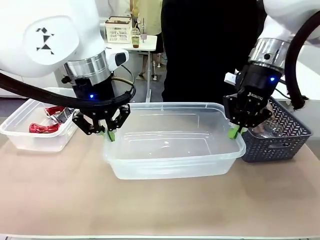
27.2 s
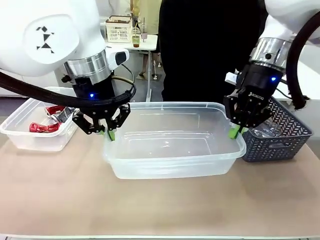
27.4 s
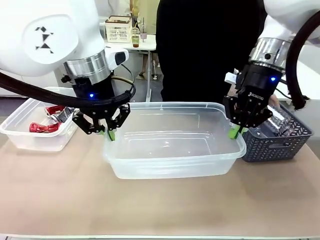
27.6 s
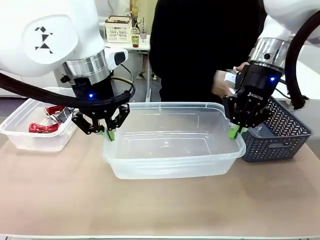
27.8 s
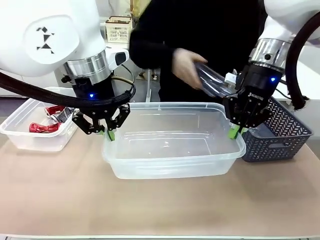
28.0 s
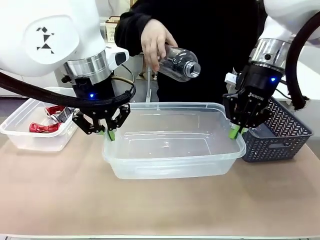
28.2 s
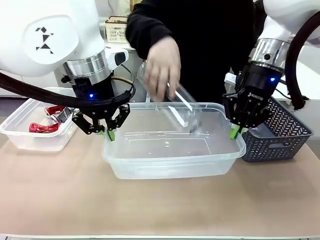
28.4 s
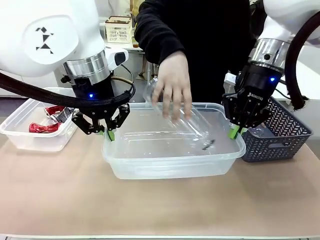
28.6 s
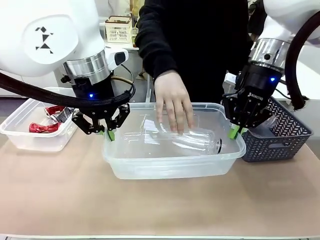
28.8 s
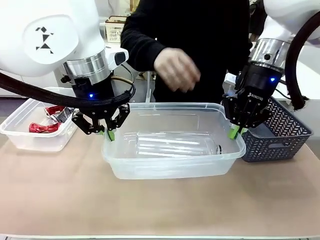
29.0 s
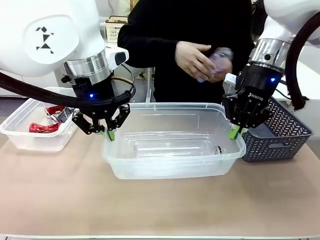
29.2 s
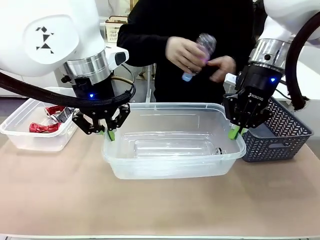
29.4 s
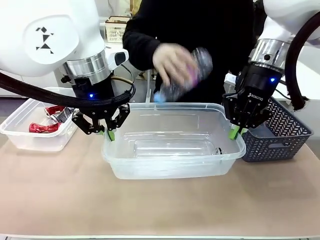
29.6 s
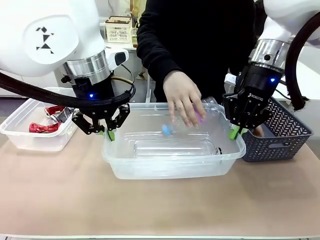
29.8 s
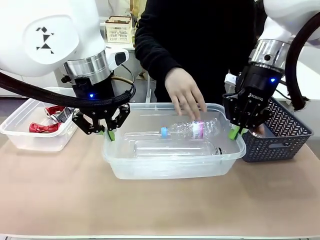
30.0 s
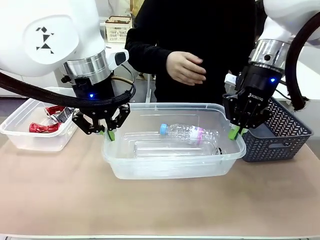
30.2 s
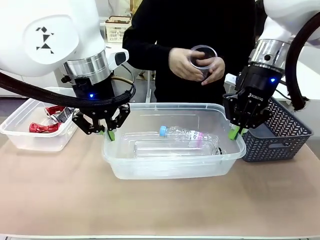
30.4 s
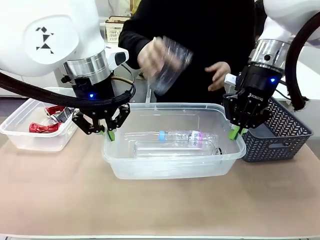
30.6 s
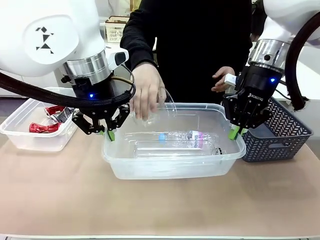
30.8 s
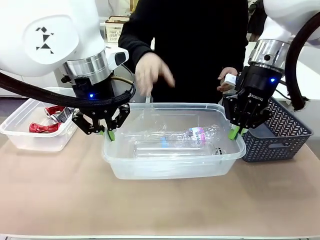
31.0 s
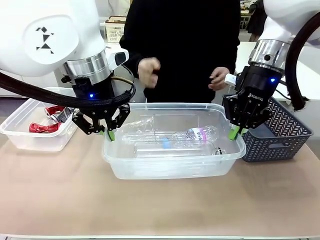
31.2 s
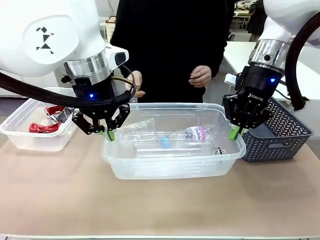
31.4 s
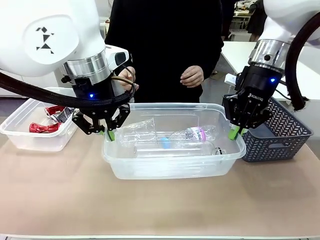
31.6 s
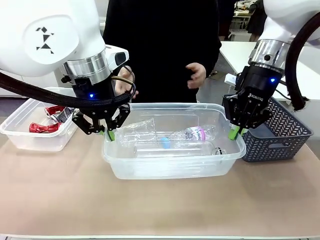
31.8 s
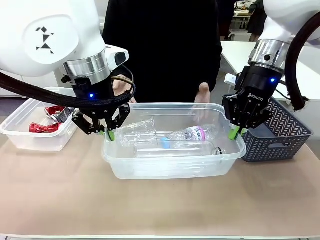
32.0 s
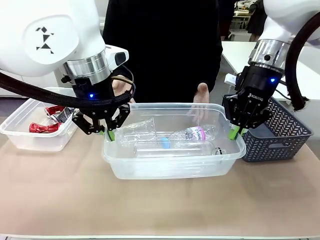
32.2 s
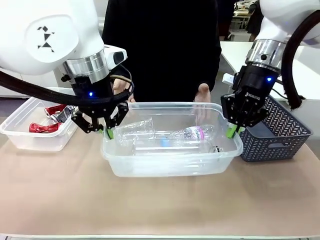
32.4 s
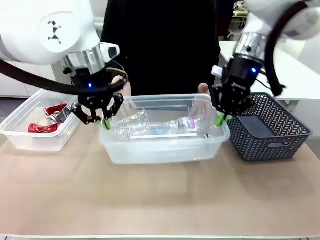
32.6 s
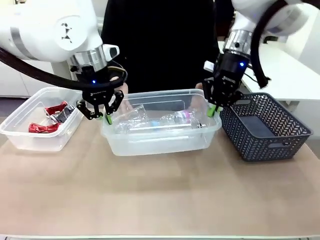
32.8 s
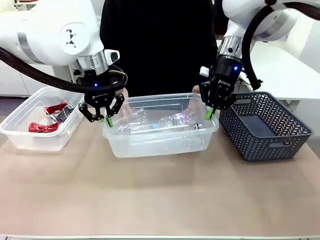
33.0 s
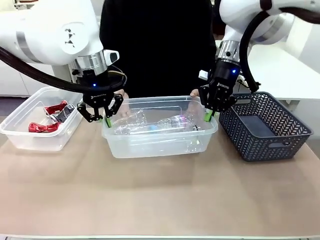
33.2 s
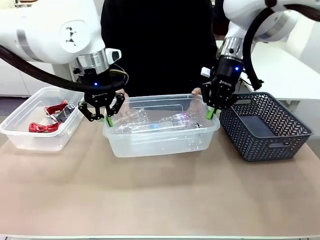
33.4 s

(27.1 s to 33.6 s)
Robot: Offer the picked Organizing box to the human.
Person: Pick up plastic waste one by one and place it into the organizing box lifted by the robot.

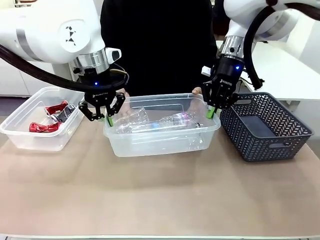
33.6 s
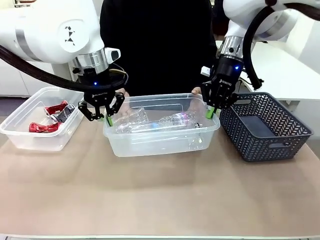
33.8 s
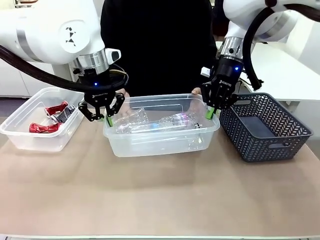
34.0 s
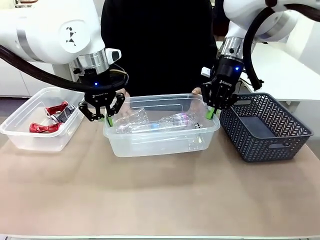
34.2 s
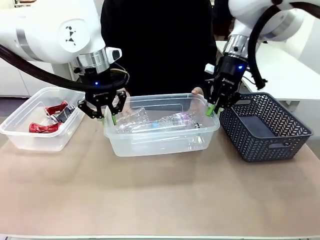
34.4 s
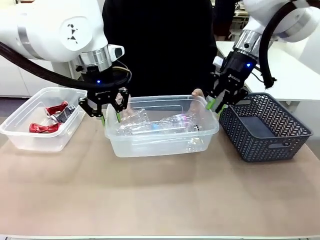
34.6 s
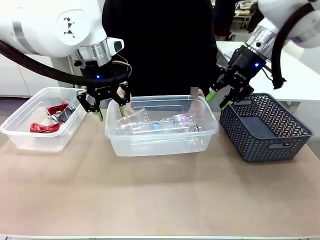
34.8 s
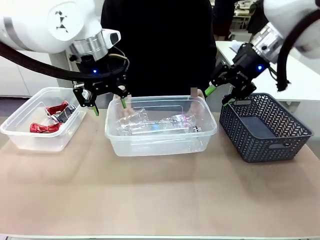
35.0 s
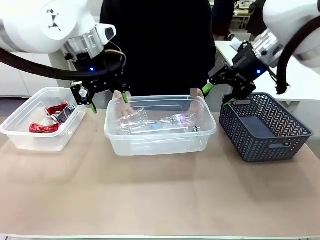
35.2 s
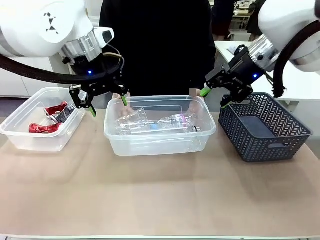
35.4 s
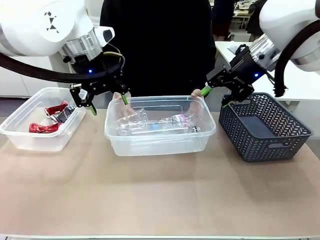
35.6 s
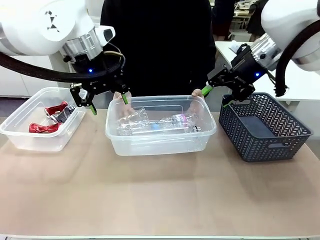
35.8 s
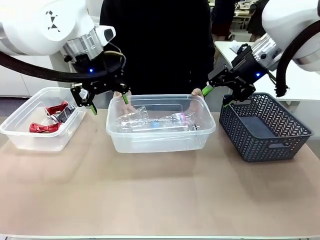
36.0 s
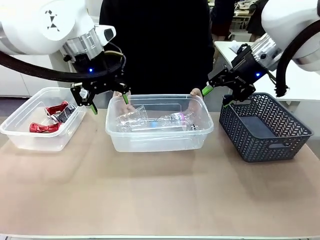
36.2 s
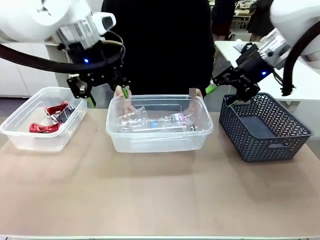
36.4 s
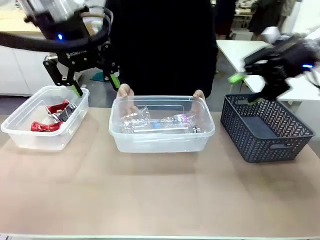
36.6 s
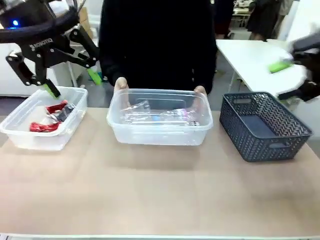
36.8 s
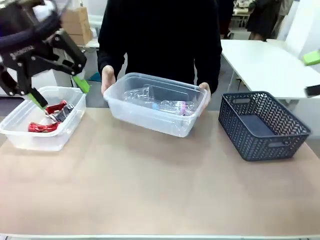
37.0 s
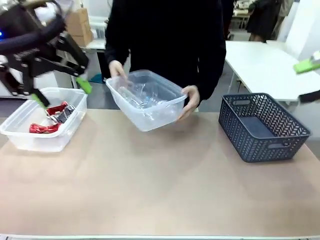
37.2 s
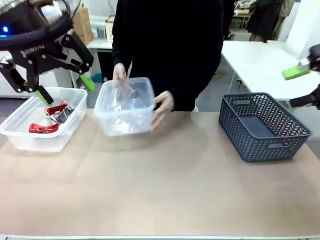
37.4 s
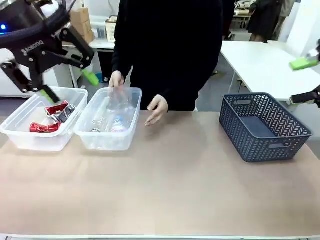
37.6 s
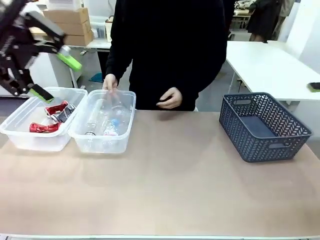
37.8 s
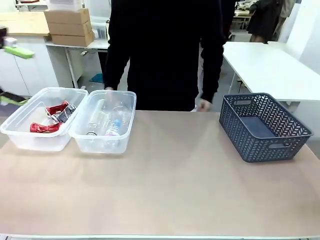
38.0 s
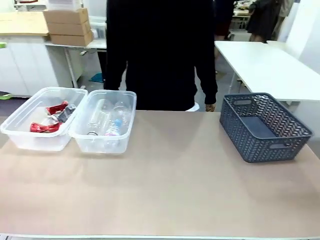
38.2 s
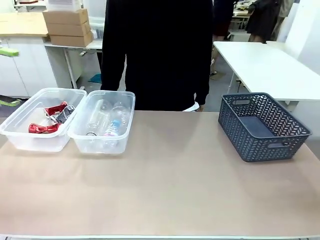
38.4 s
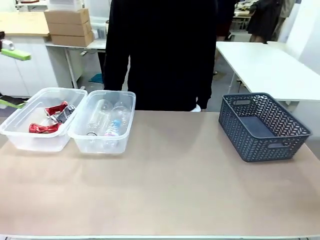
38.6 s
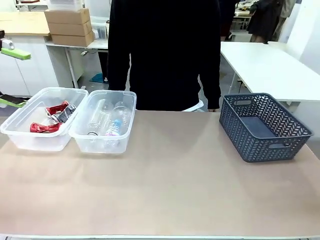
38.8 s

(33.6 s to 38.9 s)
Robot: Release the Organizing box you were holding.
Person: Pick up the organizing box extended by the robot. Place the organizing box to the left of the sorting box containing the can waste.

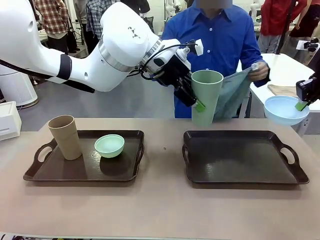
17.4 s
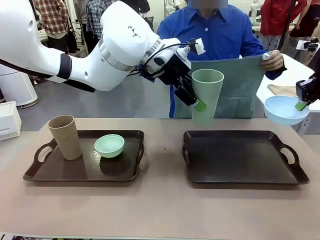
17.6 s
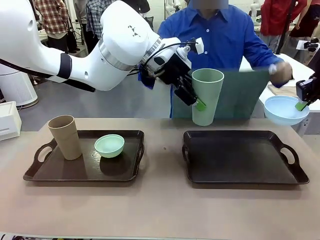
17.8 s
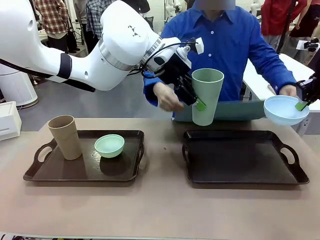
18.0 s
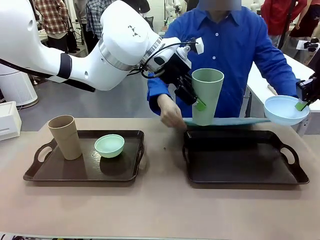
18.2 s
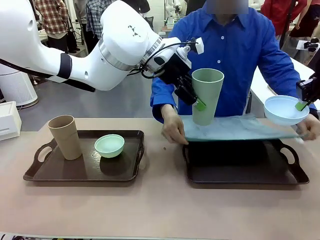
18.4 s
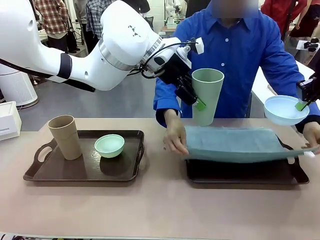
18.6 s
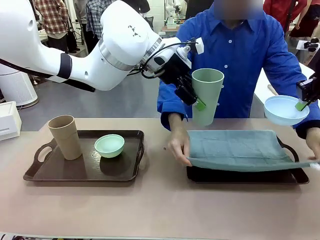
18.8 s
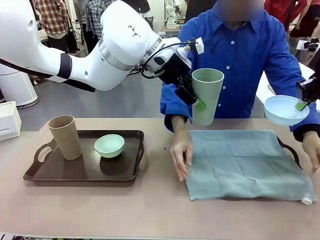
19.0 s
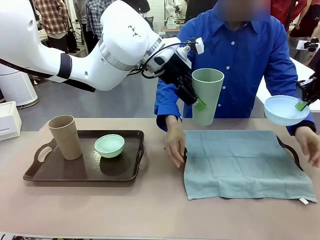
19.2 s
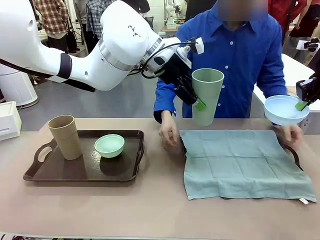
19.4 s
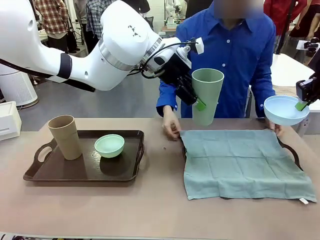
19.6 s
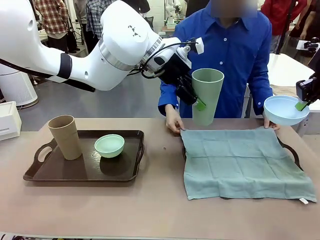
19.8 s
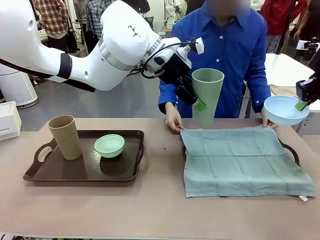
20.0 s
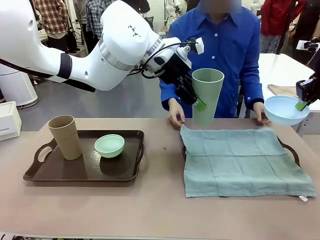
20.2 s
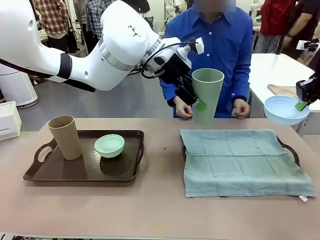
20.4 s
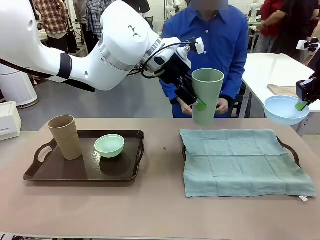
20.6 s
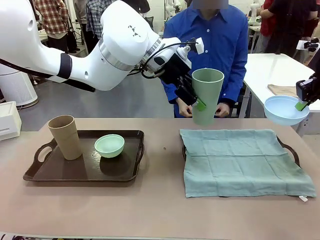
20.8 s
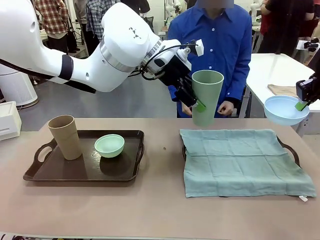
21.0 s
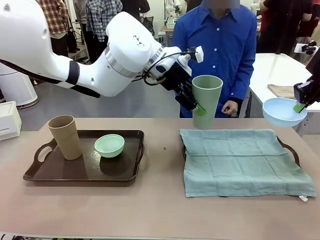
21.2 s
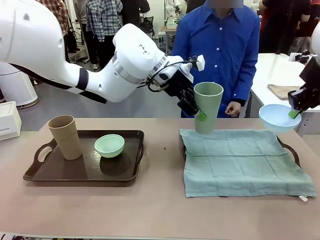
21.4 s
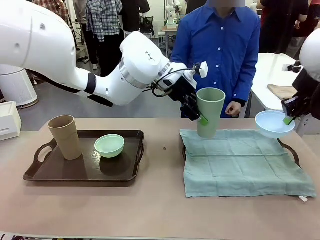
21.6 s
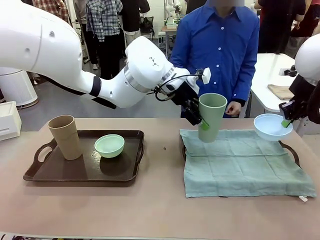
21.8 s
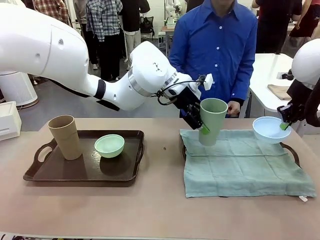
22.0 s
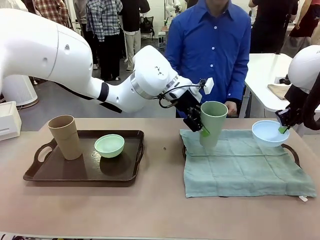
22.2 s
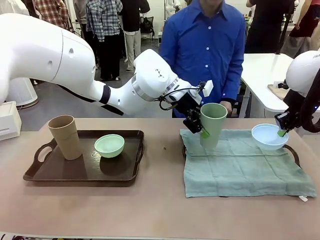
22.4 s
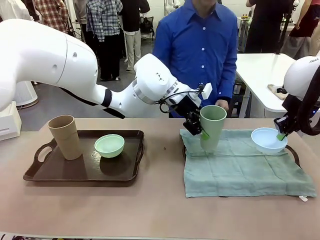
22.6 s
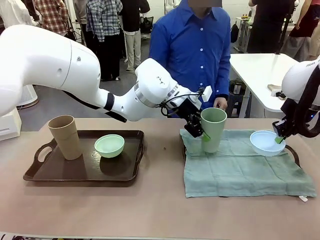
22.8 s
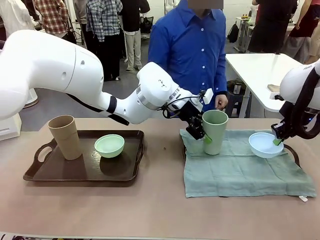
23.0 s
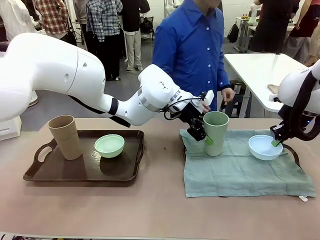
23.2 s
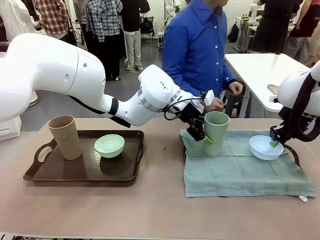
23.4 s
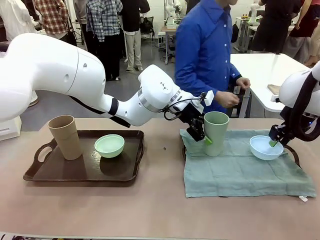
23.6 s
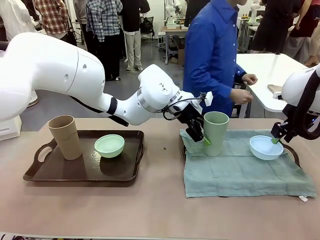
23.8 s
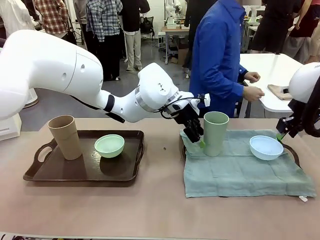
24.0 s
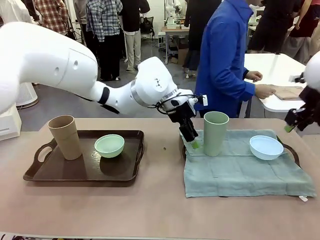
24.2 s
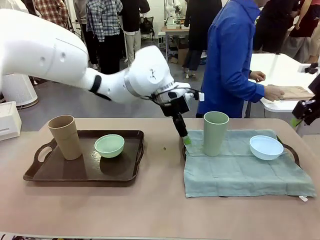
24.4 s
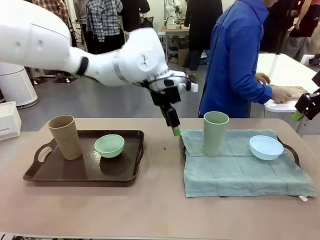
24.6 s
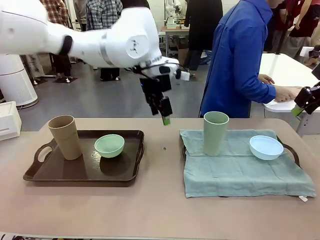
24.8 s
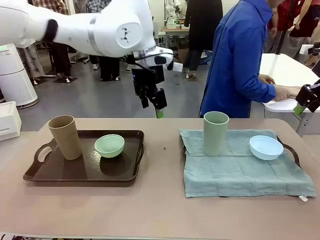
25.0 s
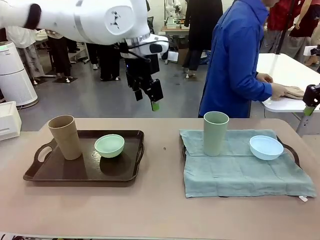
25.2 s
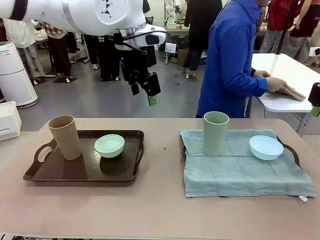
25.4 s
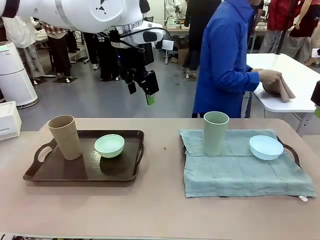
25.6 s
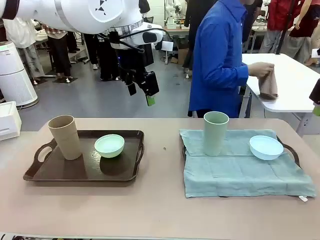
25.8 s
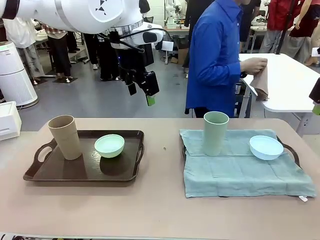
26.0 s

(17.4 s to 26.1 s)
Robot: Place the Picnic Bowl and Reusable plastic cup back onto the Handle tray in front of the human's position.
